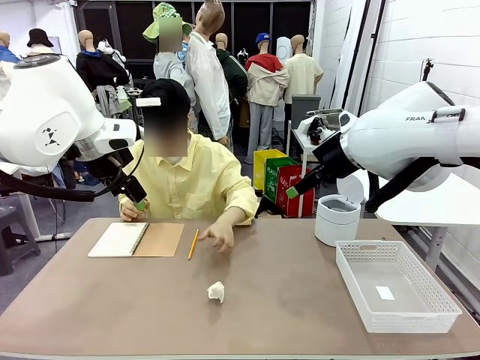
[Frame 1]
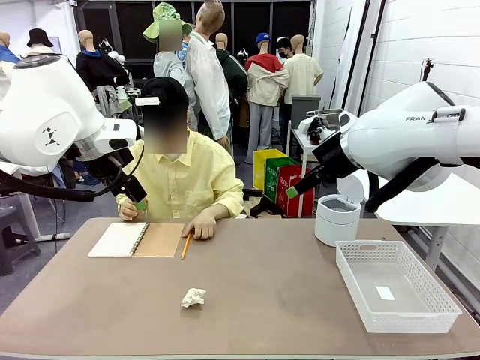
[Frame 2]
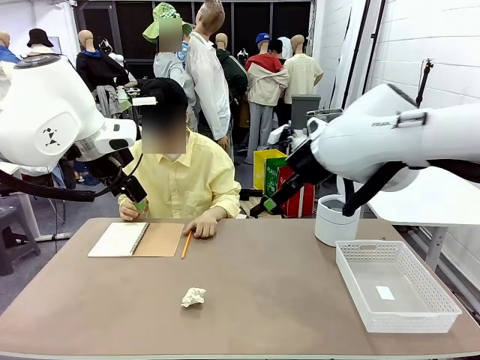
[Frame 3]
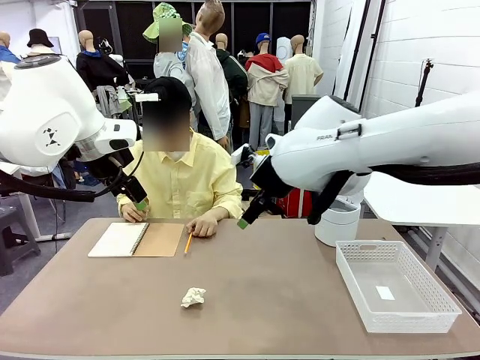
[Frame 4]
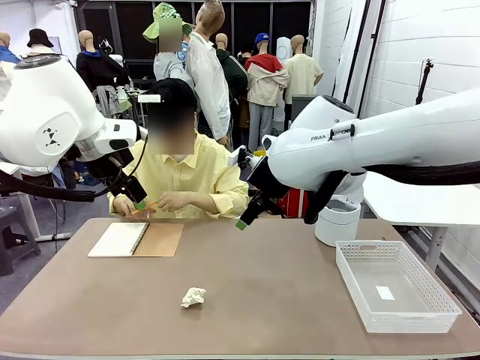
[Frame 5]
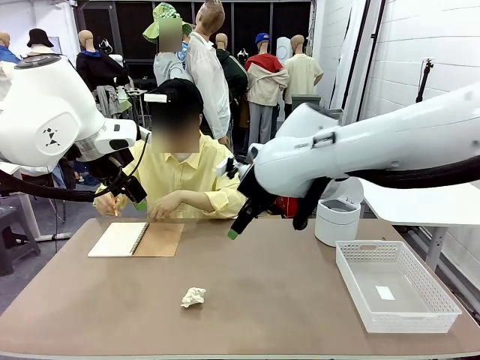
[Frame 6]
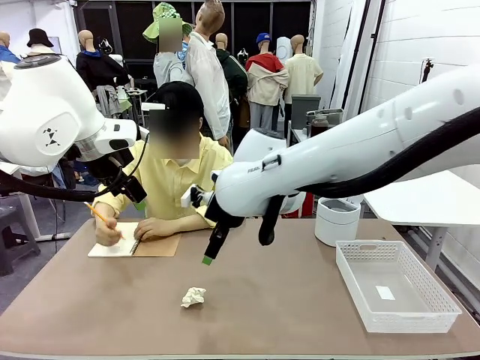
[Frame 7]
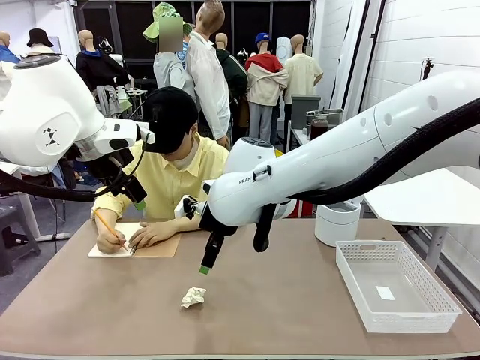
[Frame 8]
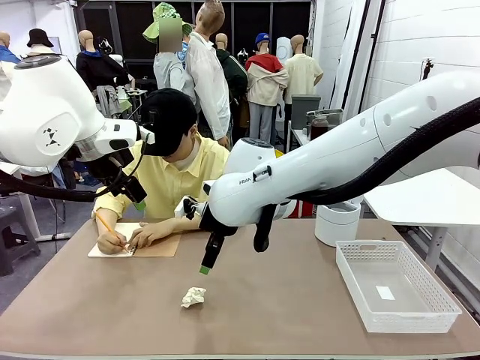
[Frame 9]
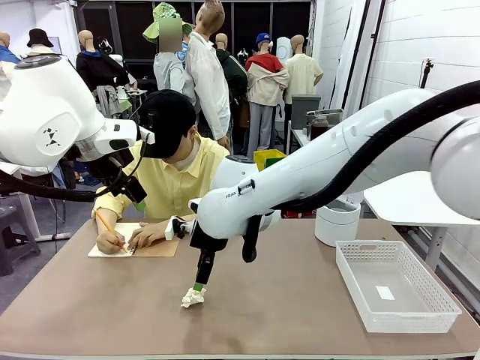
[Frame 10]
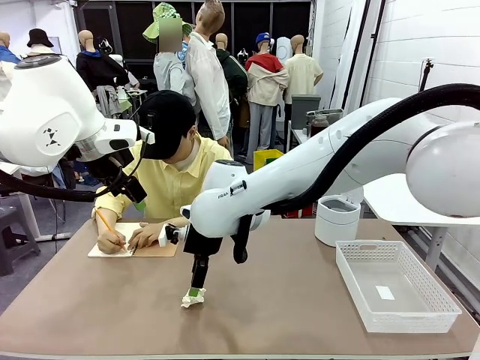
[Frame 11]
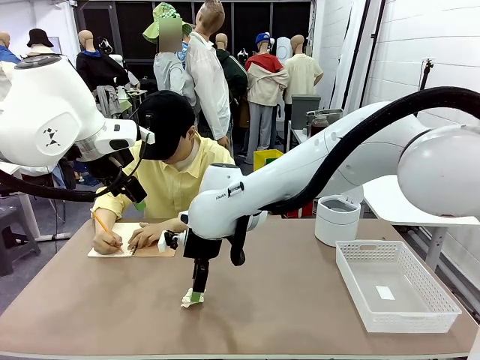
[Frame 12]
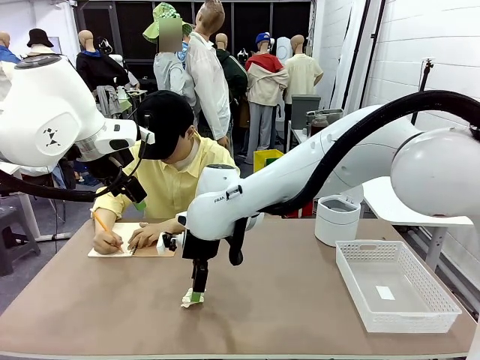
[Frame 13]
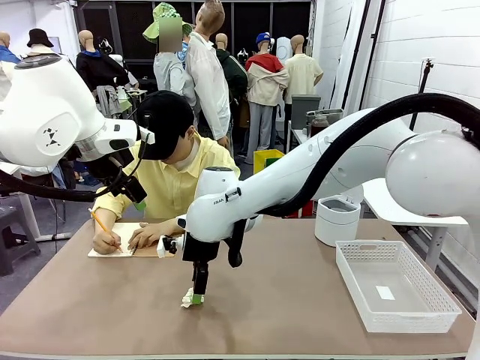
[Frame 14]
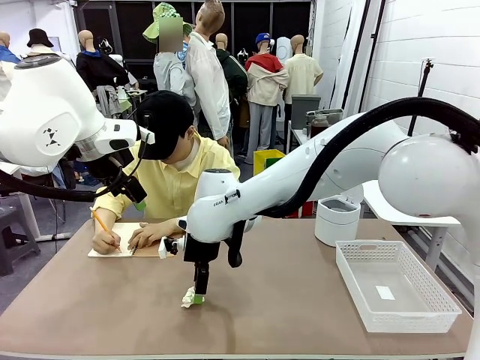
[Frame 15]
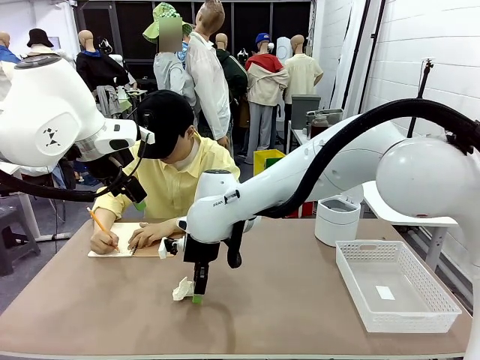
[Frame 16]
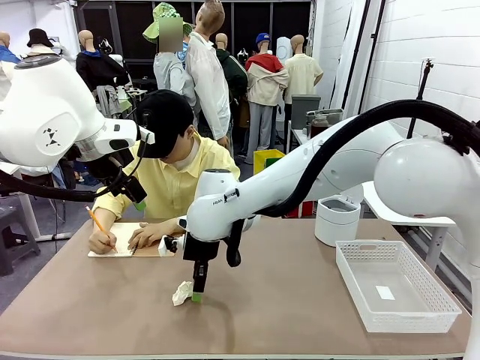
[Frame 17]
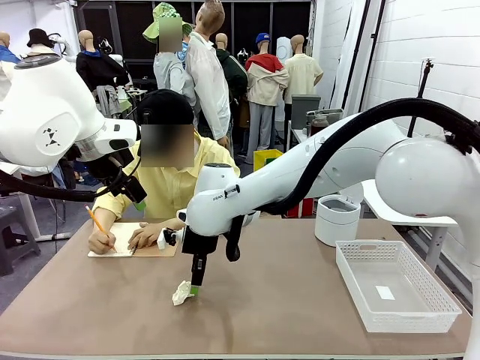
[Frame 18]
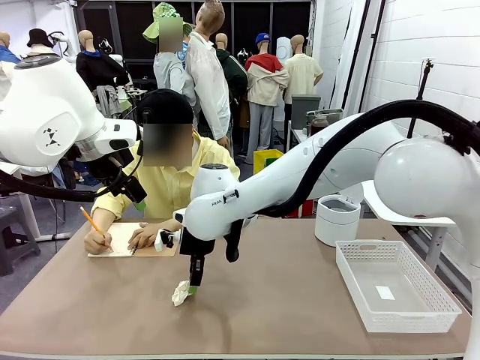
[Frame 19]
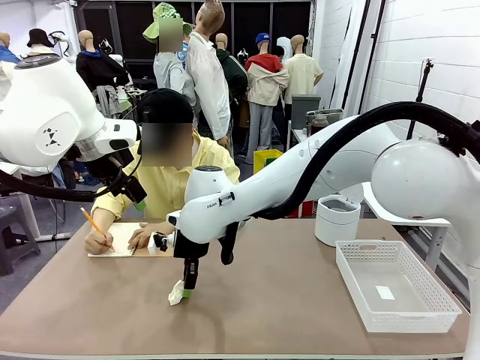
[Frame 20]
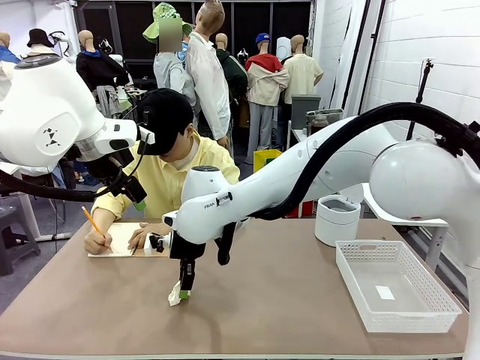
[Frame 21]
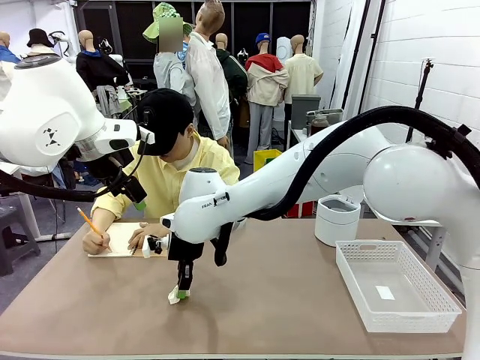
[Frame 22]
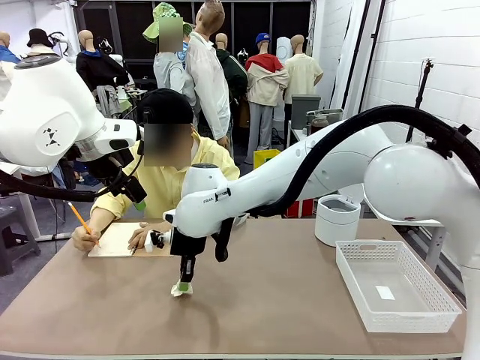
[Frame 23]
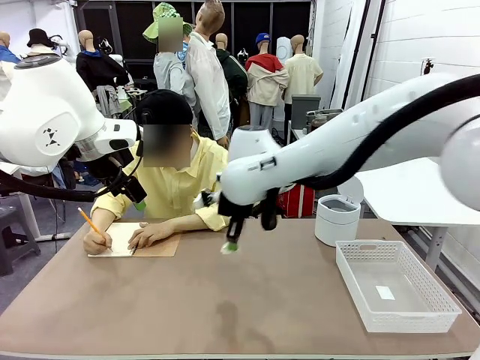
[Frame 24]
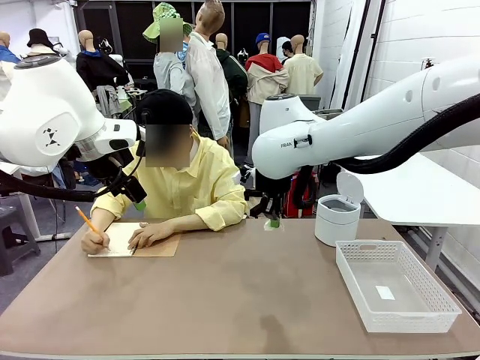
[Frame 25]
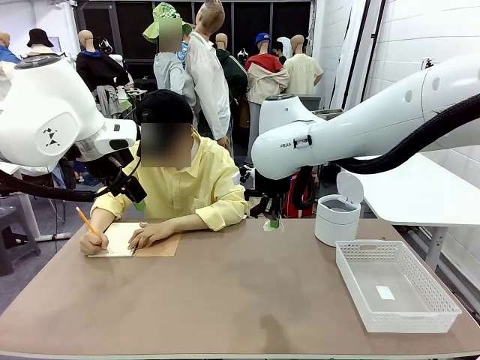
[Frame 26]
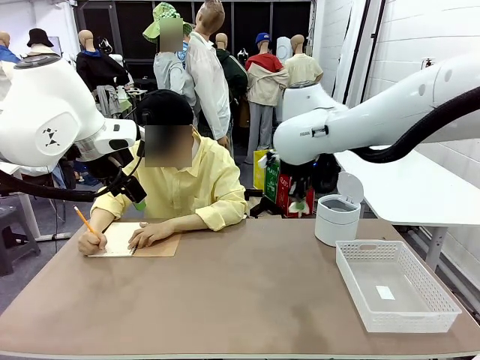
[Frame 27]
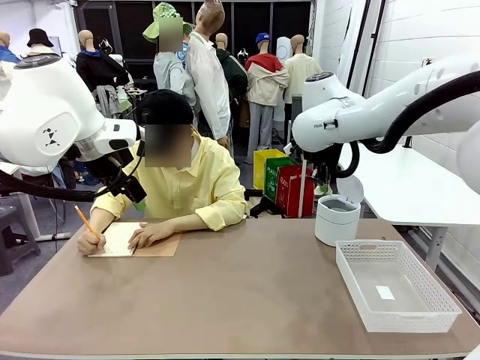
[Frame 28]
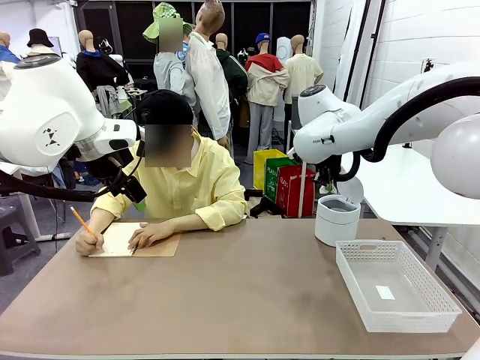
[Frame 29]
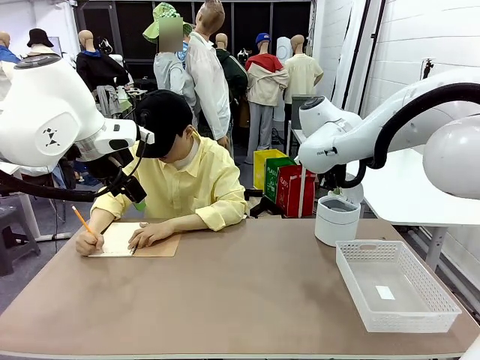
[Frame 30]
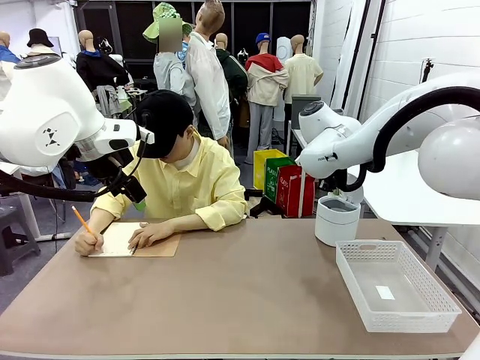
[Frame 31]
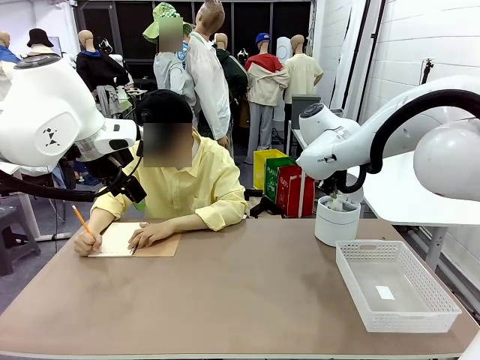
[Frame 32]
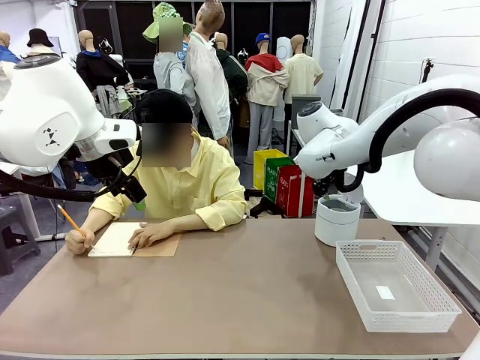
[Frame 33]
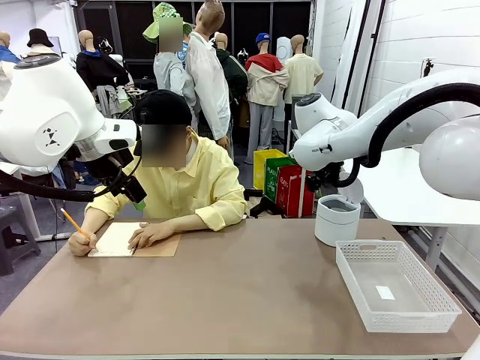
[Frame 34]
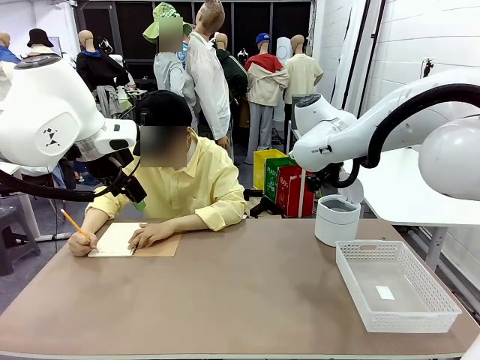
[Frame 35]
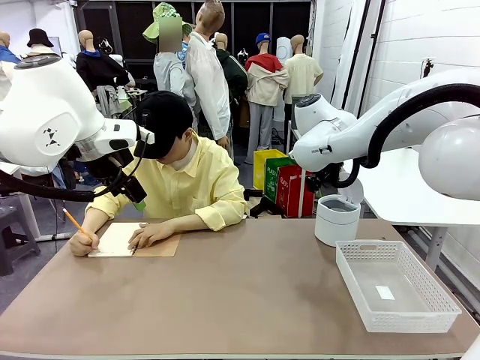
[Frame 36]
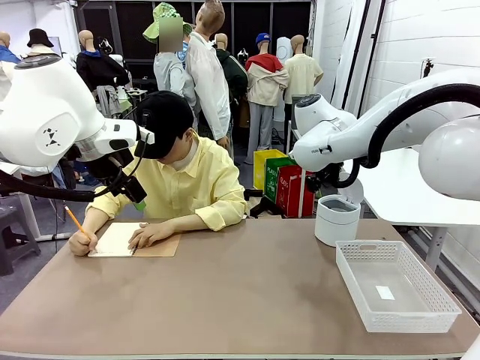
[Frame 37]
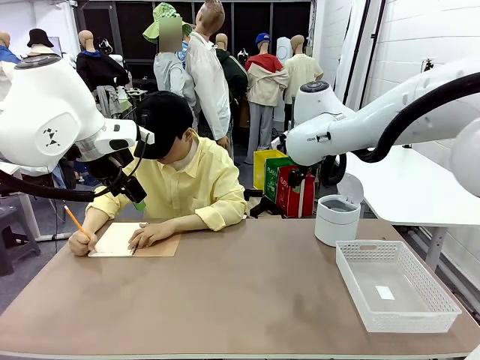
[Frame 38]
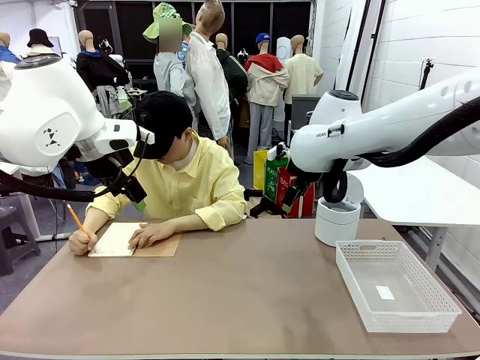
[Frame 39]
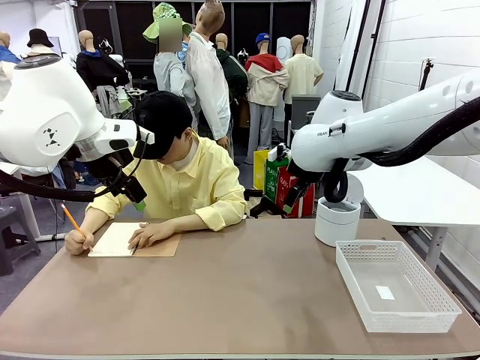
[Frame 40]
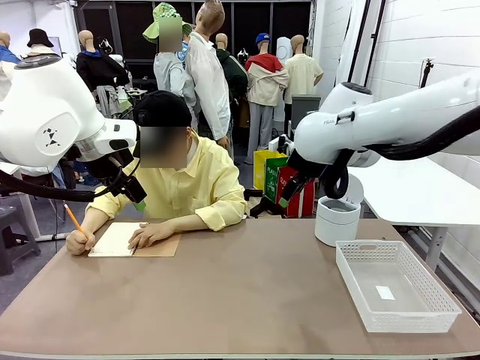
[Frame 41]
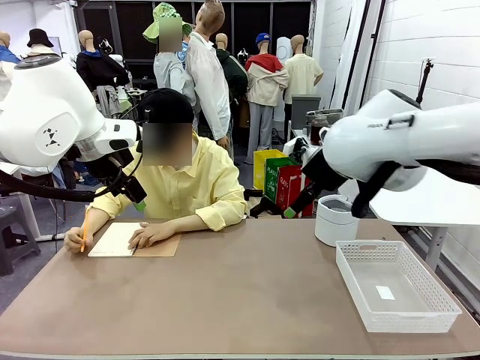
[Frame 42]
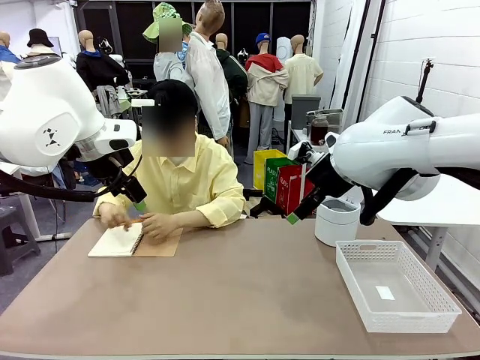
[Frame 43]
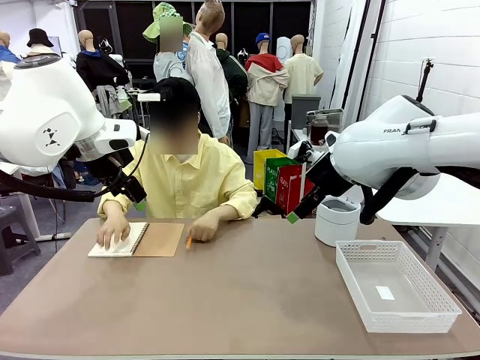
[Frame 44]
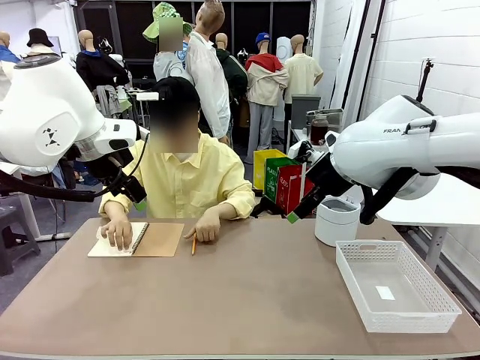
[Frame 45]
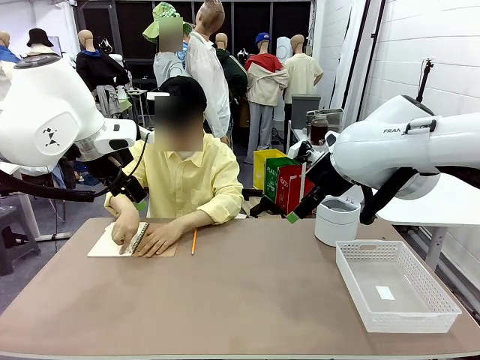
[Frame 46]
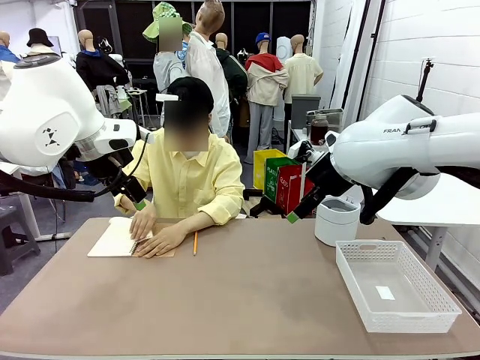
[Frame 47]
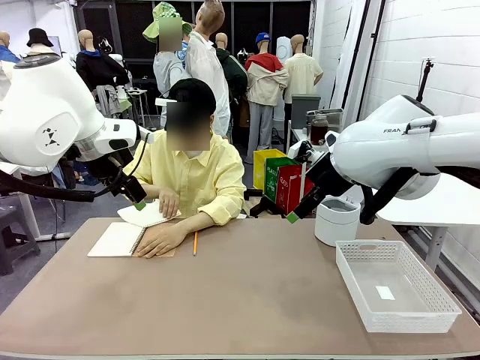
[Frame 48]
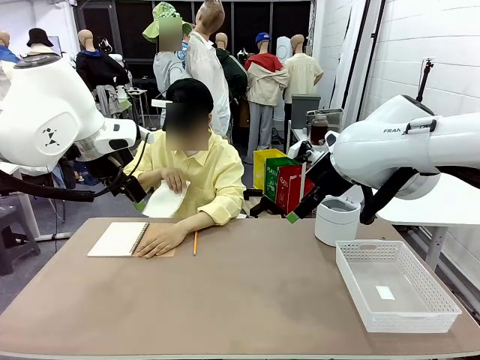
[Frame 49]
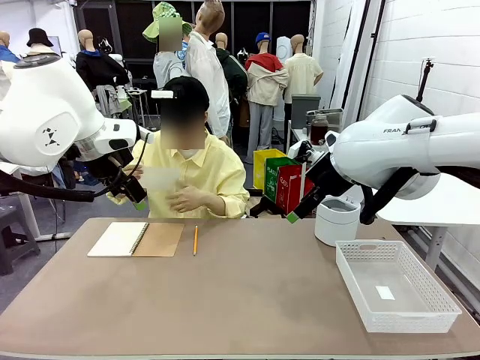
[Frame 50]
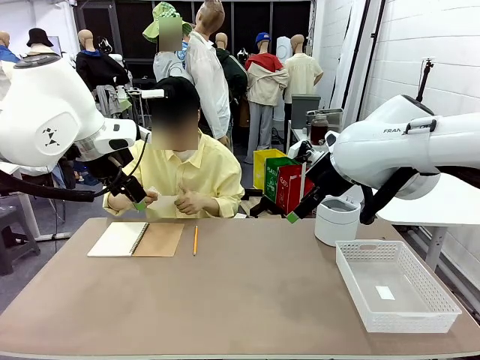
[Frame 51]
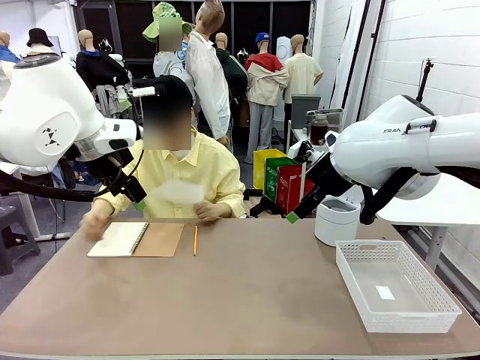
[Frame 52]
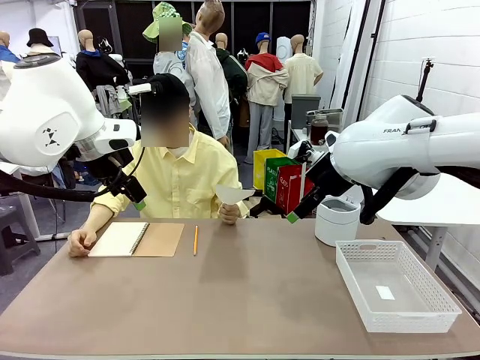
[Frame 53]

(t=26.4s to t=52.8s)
Task: Sort the paper based on its condition.
Robot: If a person hands you a paper, place it in the Organizing basket , and if it's crumpled, put it in the Trash can.
Person: Tear out a page from the spiral notebook.
